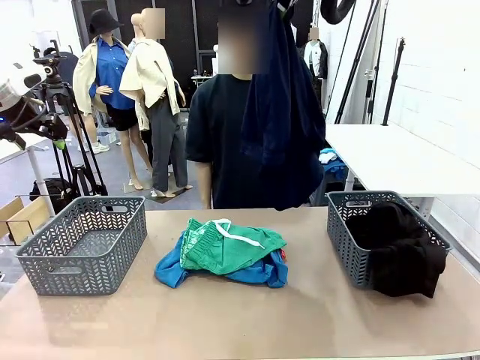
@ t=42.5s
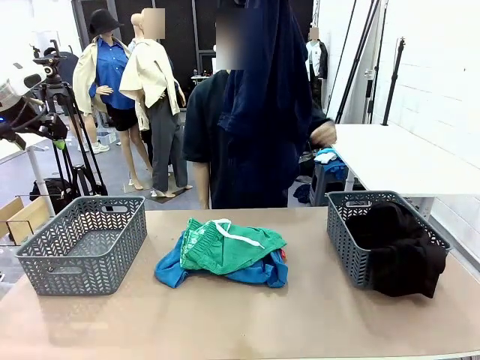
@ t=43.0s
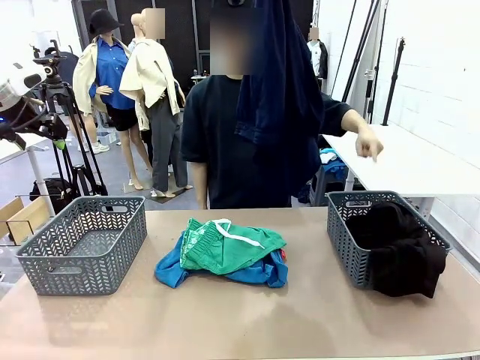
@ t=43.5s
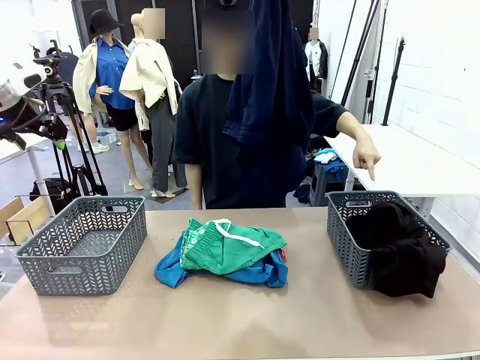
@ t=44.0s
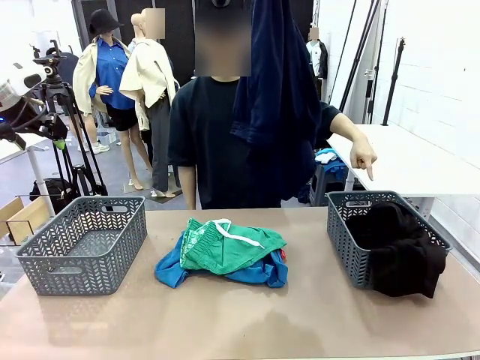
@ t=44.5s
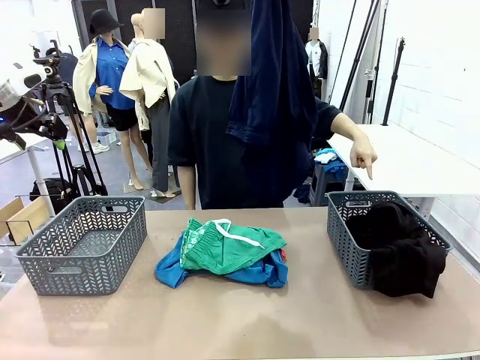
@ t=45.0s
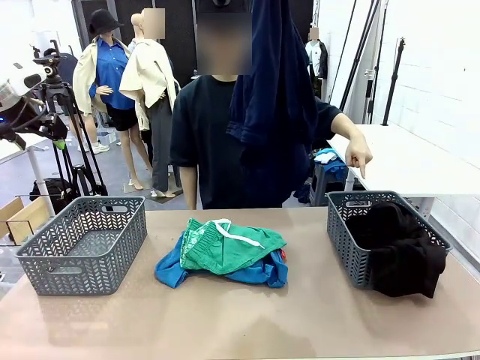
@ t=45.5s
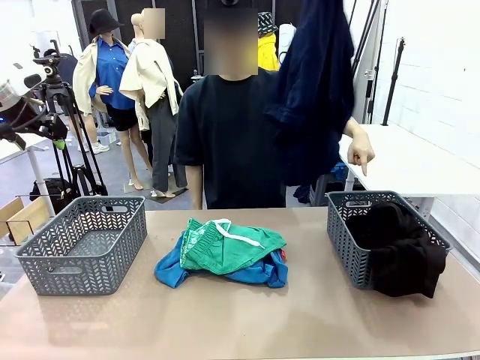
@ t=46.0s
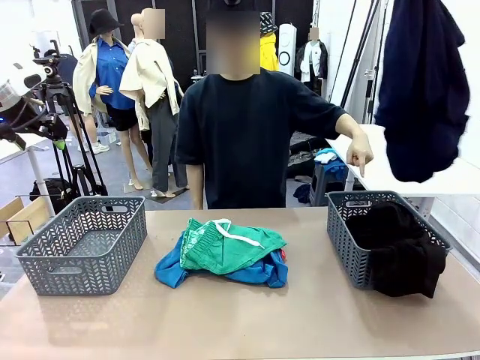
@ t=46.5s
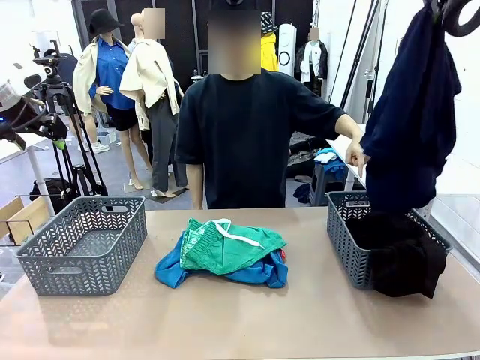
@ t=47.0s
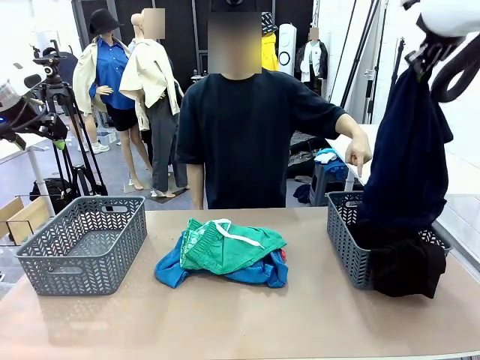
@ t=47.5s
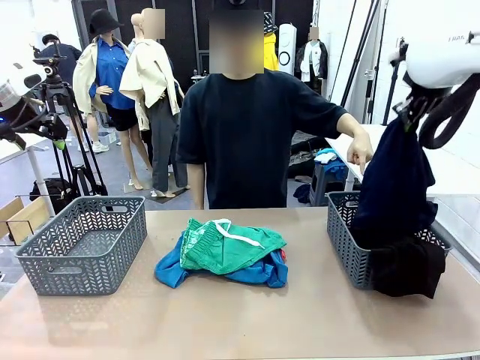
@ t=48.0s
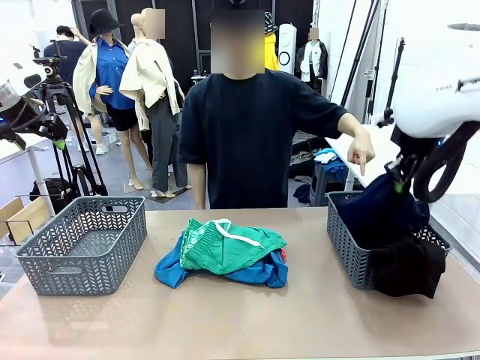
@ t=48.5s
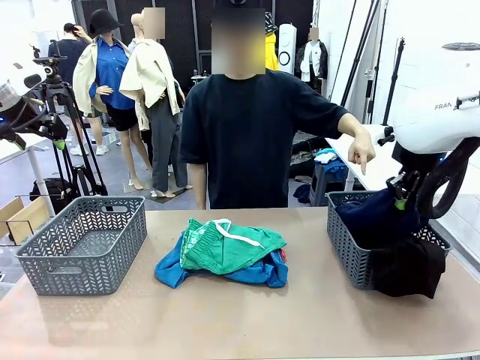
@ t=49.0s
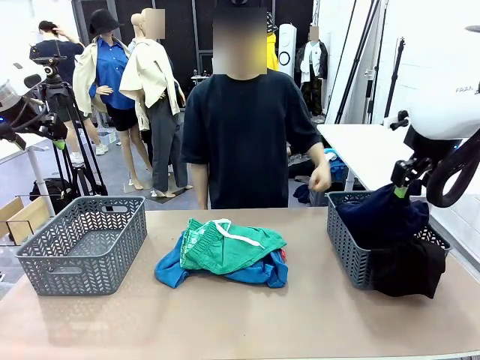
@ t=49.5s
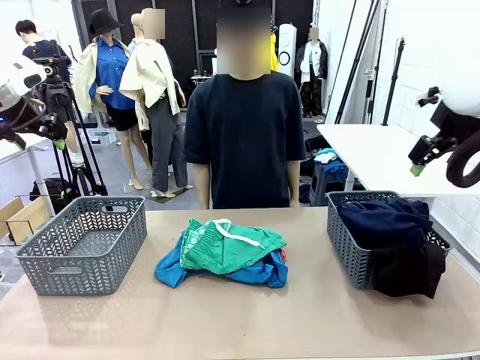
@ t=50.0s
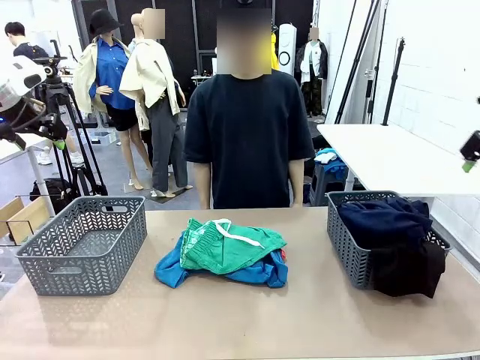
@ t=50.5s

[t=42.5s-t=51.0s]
Task: Sort the tops and bottoms.
Robot: Sort the clothes according to human instructions.

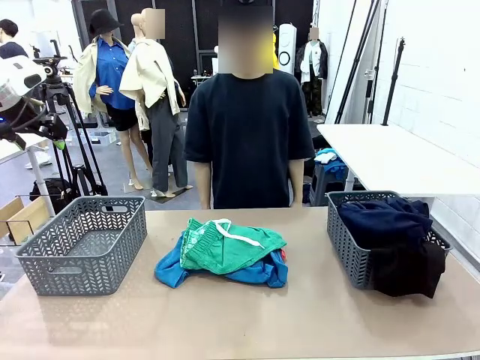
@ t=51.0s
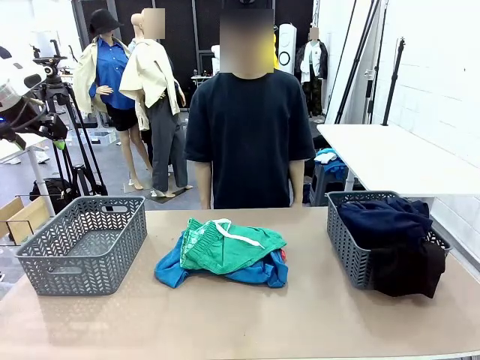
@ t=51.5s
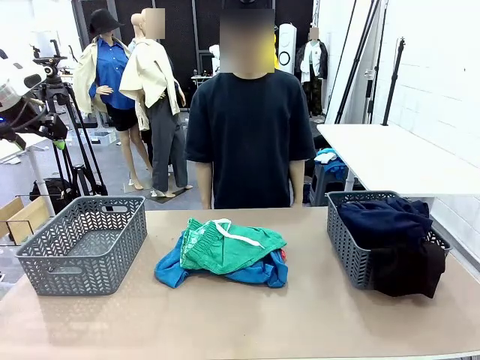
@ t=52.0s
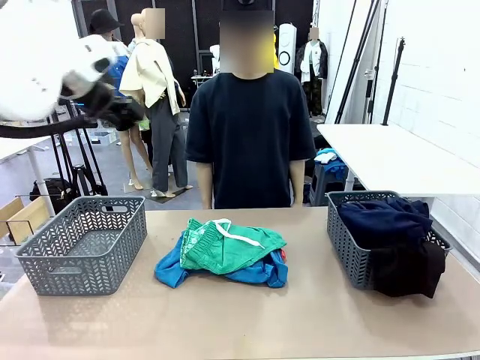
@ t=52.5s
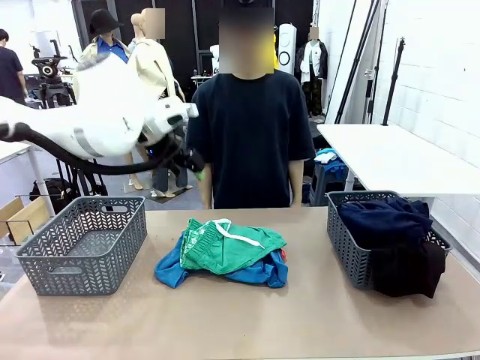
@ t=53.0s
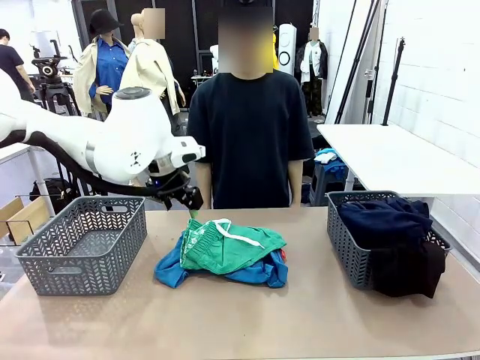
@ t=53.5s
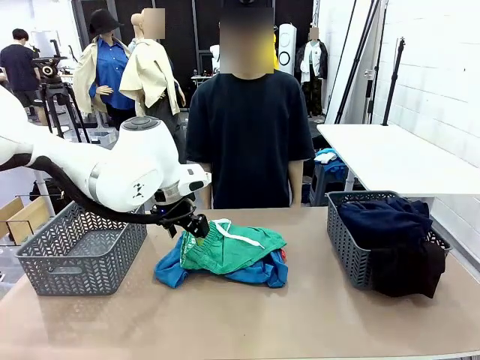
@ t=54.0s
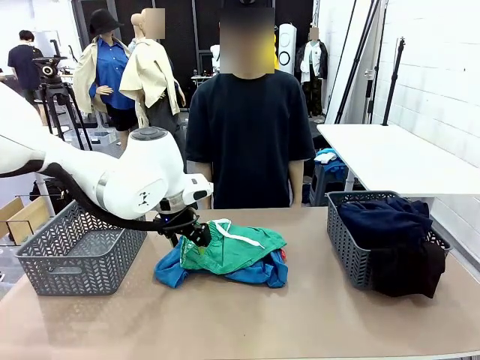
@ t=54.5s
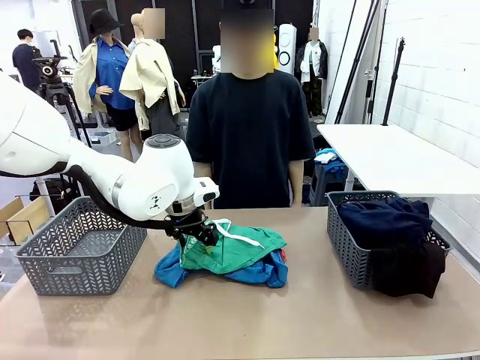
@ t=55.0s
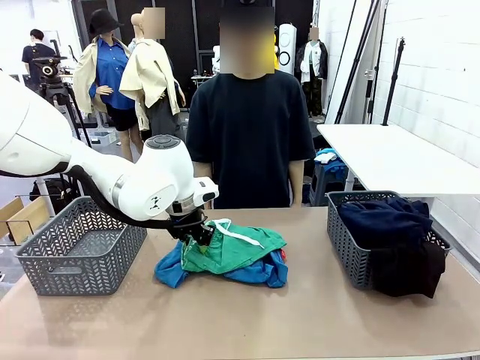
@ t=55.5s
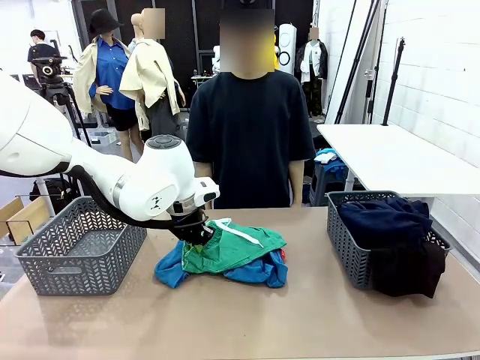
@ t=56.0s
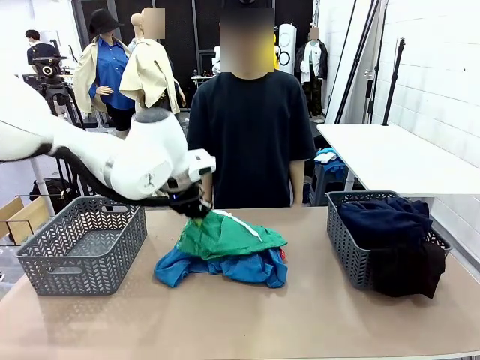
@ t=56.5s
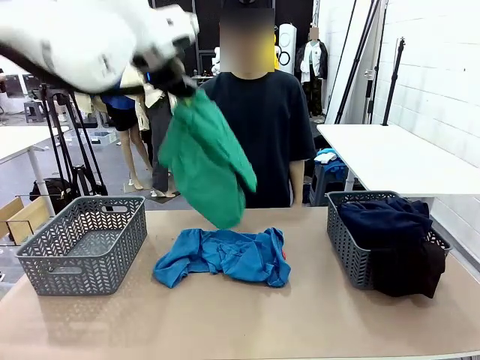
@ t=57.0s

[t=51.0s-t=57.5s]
Robot: Lift clothes from the center of the table with your left hand.

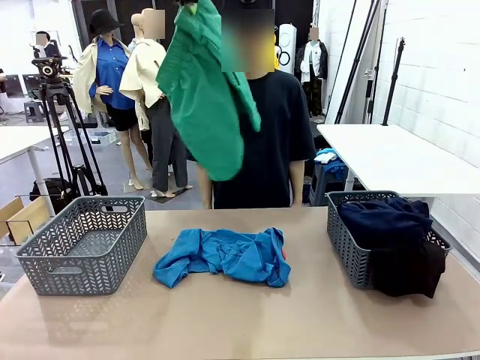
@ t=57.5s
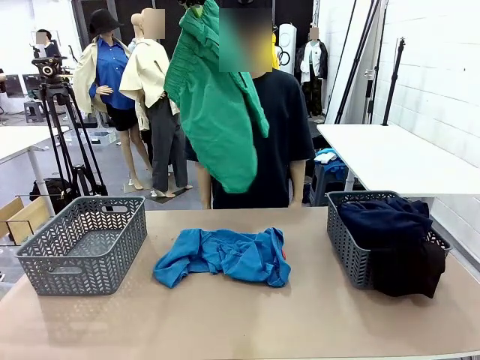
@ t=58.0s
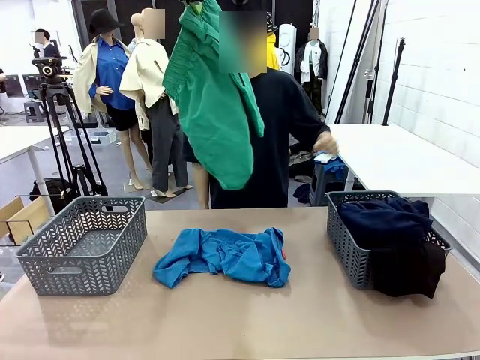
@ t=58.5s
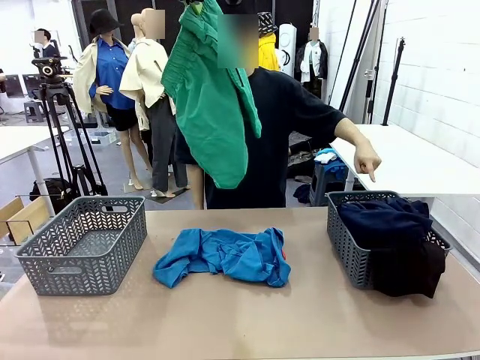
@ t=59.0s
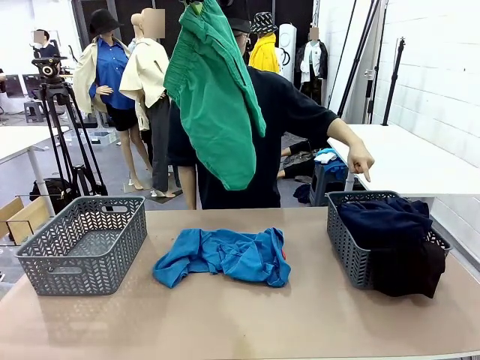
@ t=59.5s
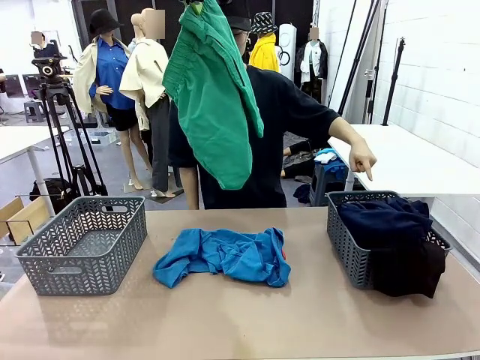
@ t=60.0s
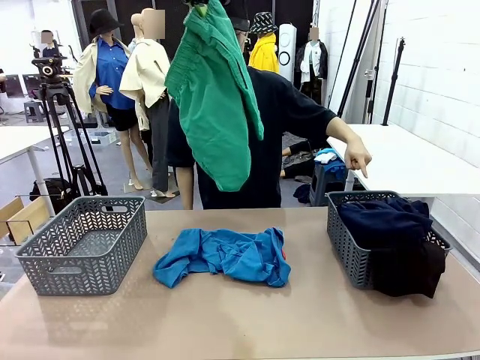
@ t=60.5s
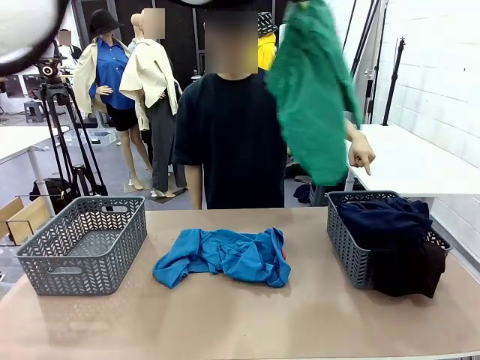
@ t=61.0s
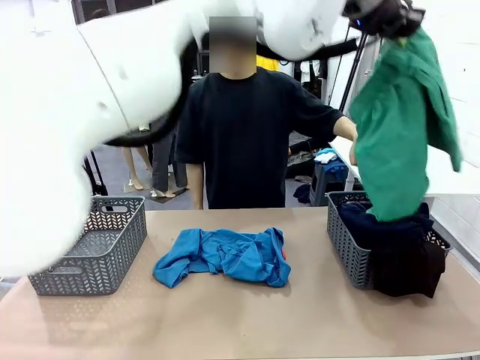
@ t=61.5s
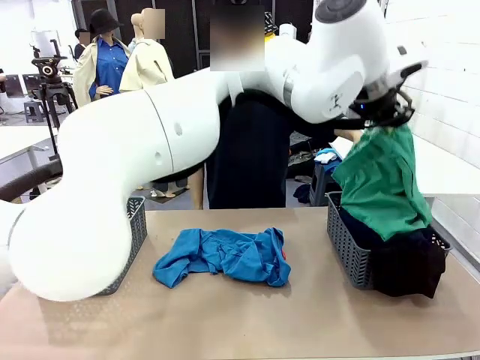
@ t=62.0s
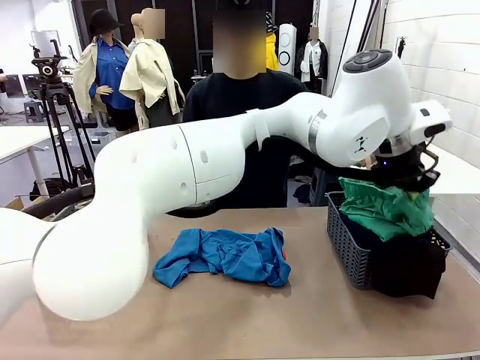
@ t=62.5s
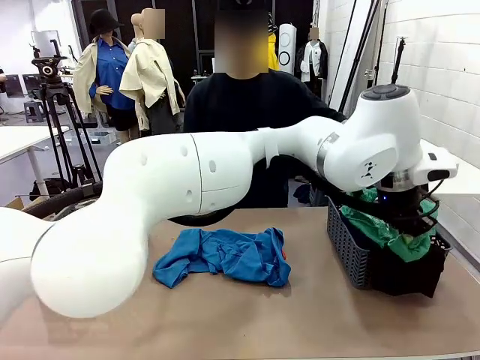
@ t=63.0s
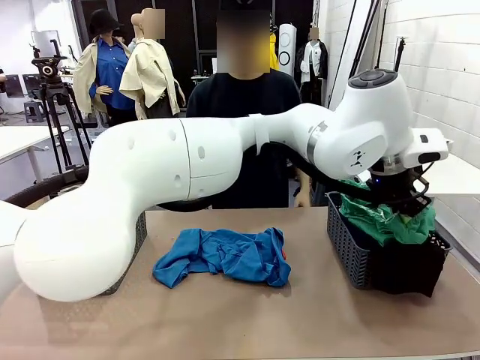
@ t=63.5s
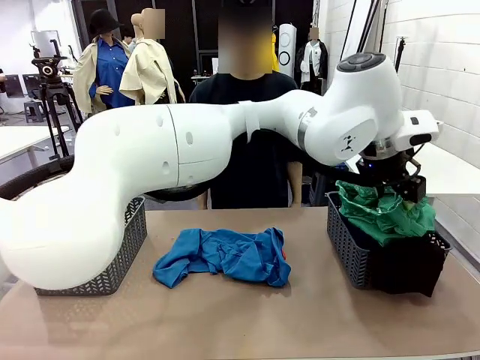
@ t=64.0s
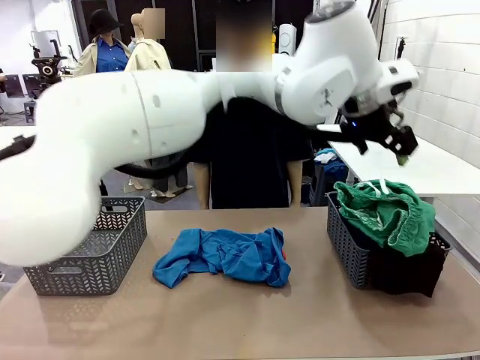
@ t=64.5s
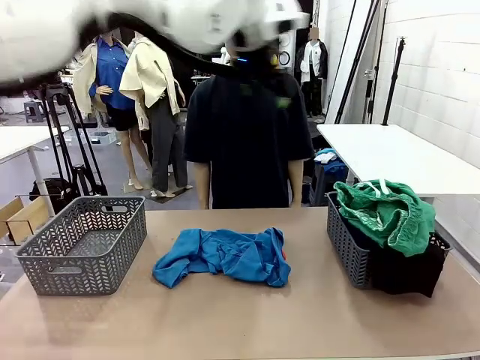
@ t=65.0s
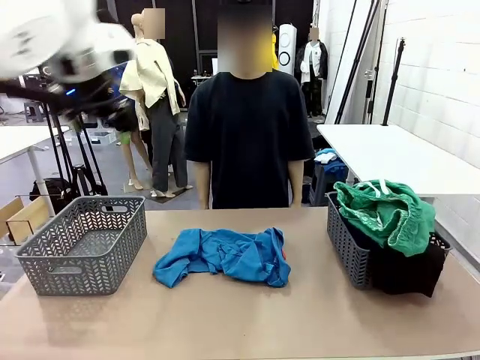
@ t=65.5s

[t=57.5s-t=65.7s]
Robot: Sort the clothes according to human instructions.

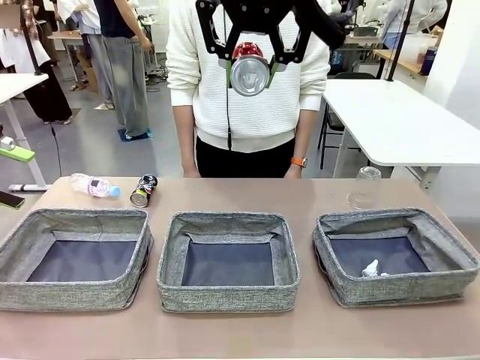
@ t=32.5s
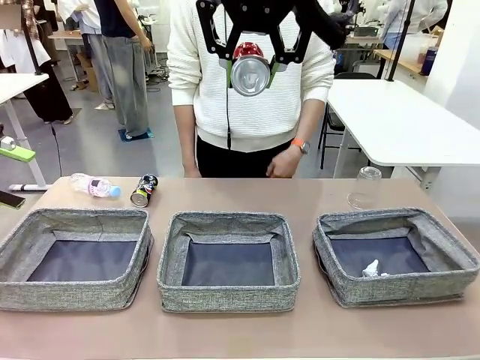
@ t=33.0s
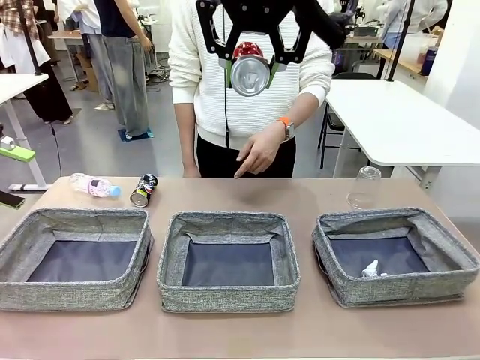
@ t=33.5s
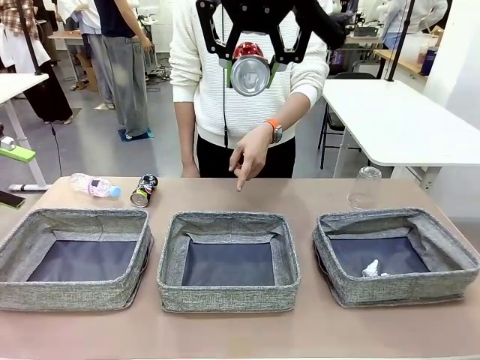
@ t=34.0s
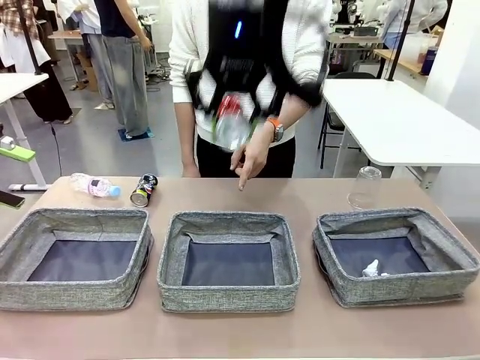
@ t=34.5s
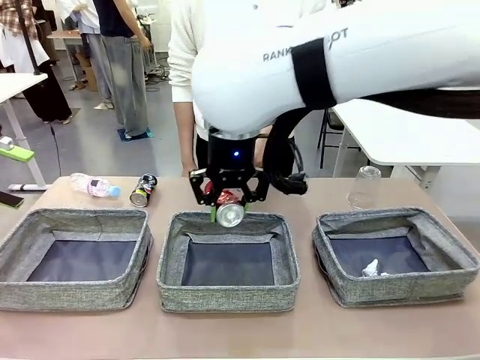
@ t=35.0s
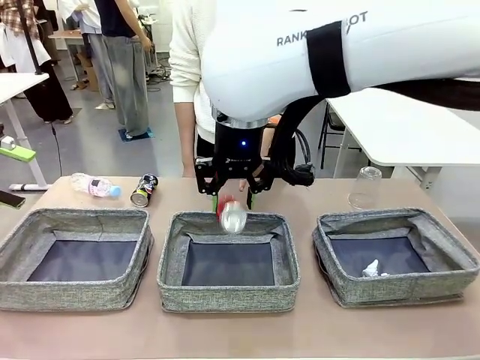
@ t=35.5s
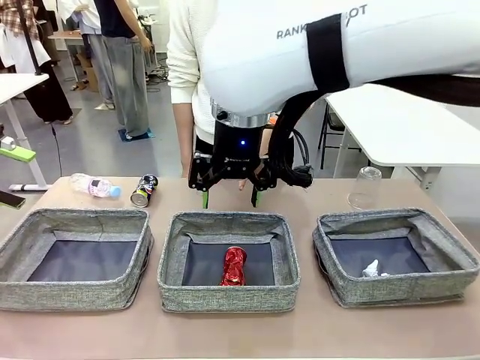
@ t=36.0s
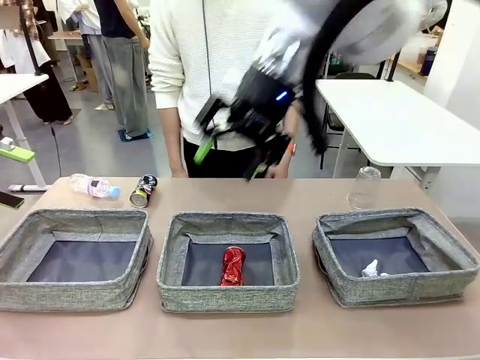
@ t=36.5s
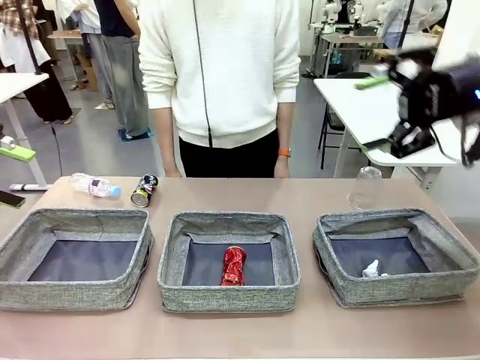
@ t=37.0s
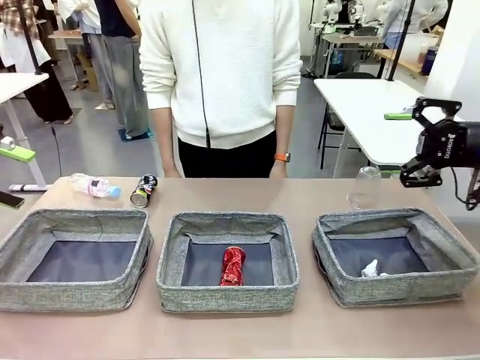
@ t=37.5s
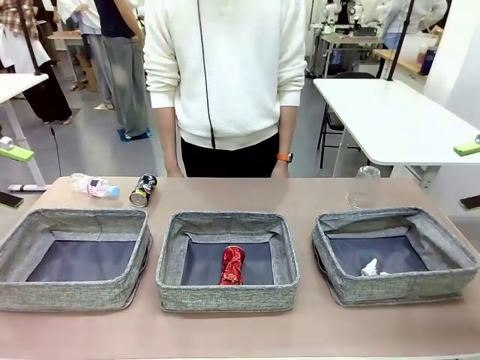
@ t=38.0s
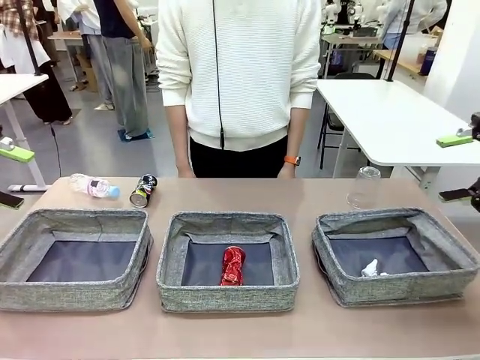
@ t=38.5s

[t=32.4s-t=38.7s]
Task: Sort the waste into the appropriate baskets.
Robot: Place the picked waste into the Fabric basket indicated by the person.
Person: Instructs the robot to place the picked-up trash into the appropriate organizing basket.
